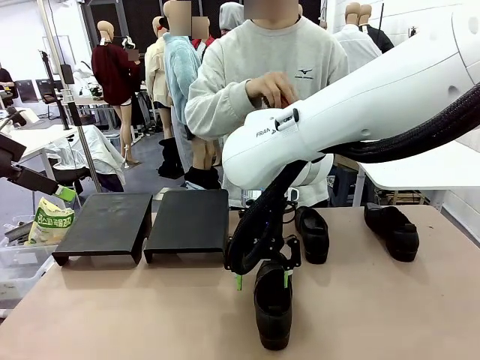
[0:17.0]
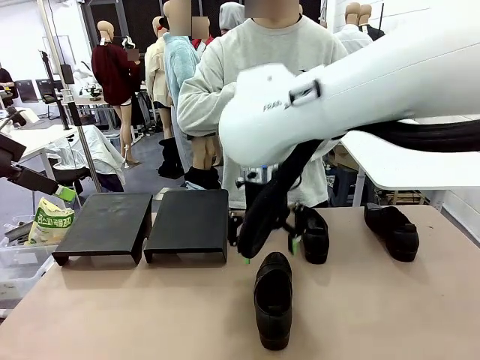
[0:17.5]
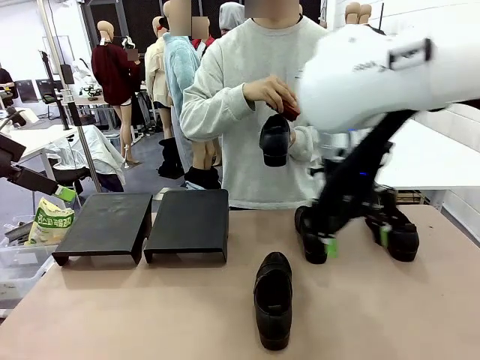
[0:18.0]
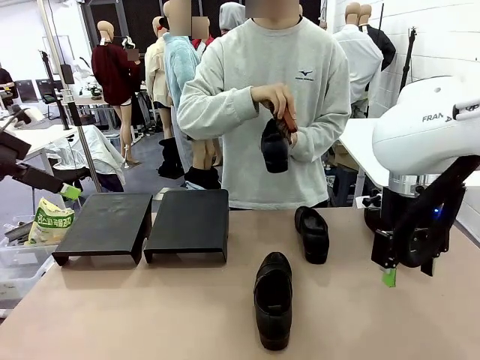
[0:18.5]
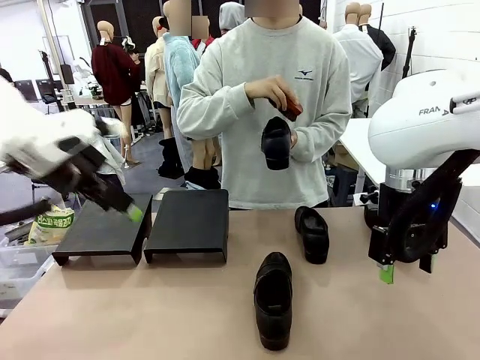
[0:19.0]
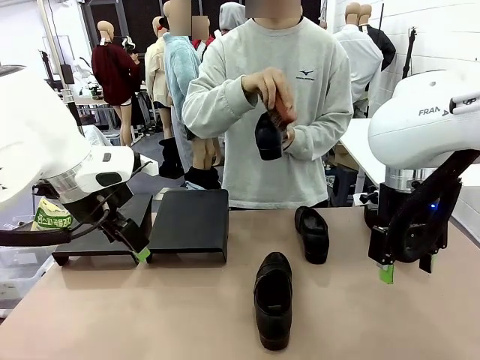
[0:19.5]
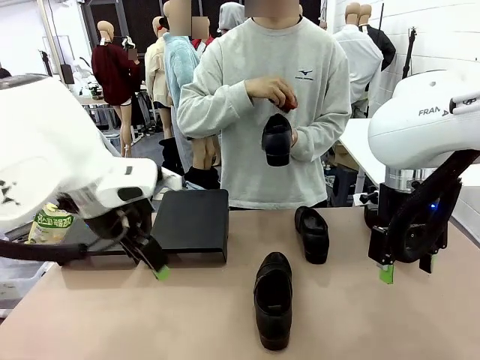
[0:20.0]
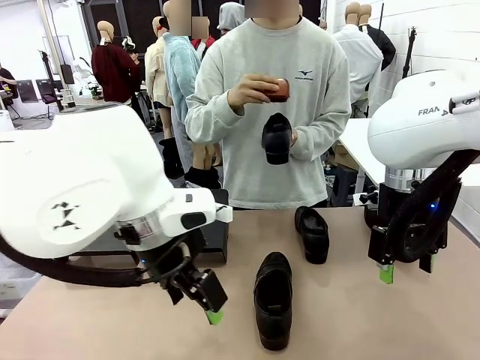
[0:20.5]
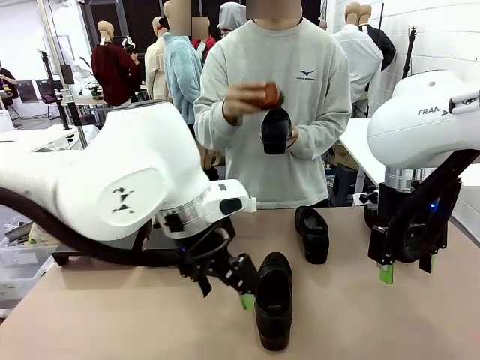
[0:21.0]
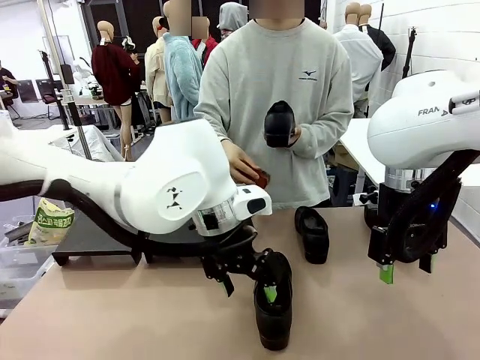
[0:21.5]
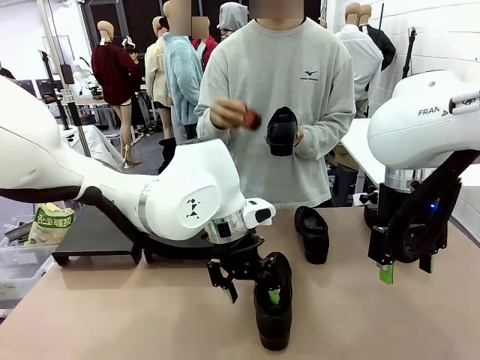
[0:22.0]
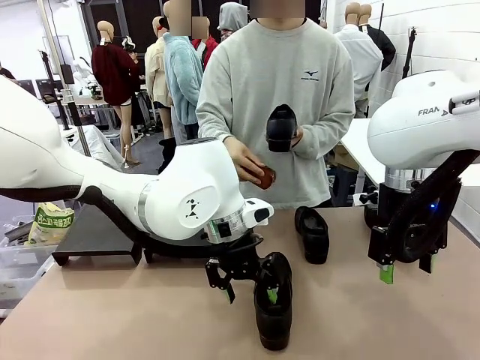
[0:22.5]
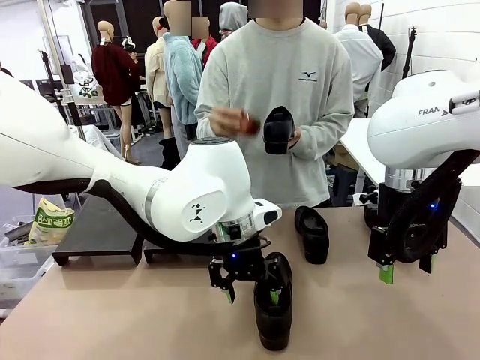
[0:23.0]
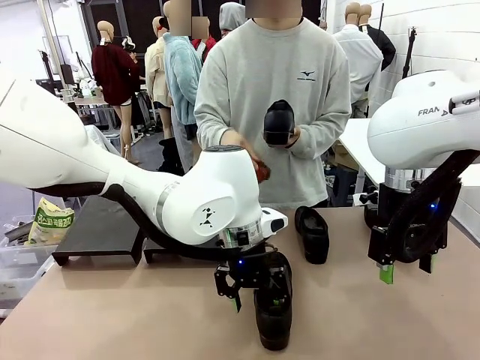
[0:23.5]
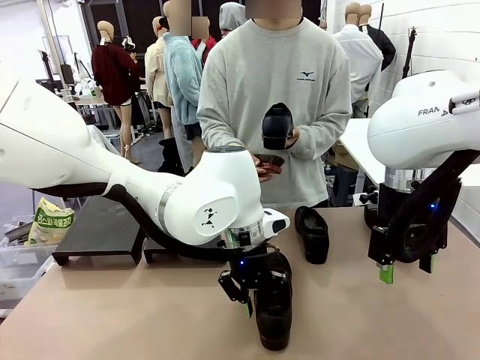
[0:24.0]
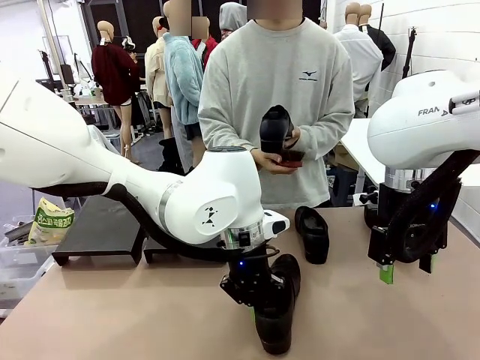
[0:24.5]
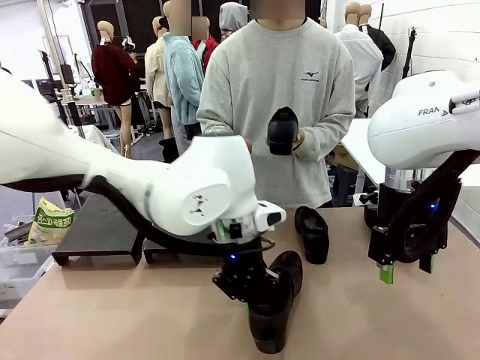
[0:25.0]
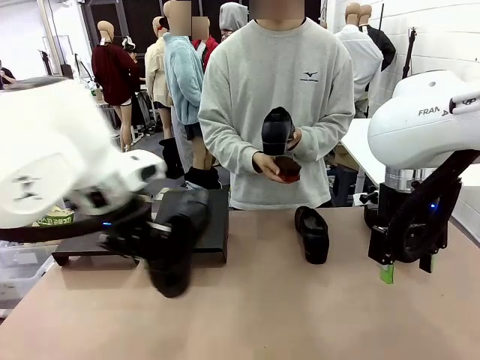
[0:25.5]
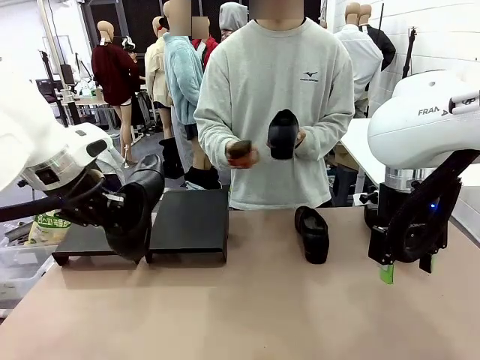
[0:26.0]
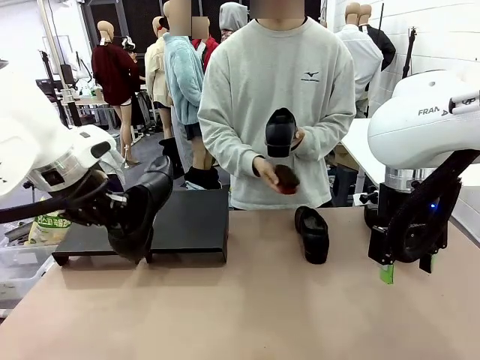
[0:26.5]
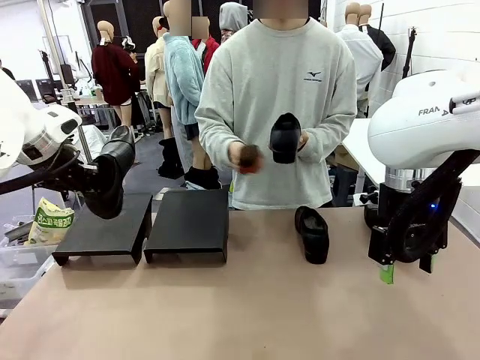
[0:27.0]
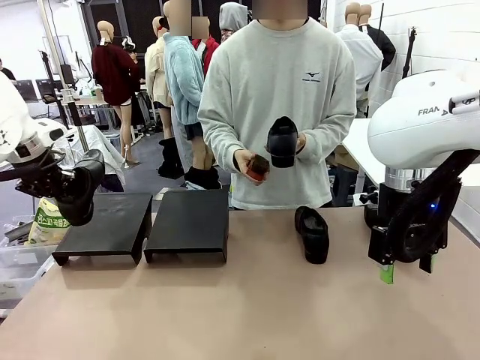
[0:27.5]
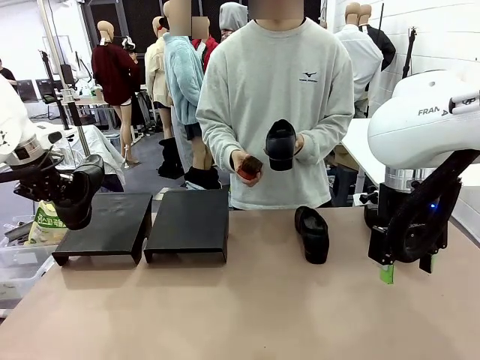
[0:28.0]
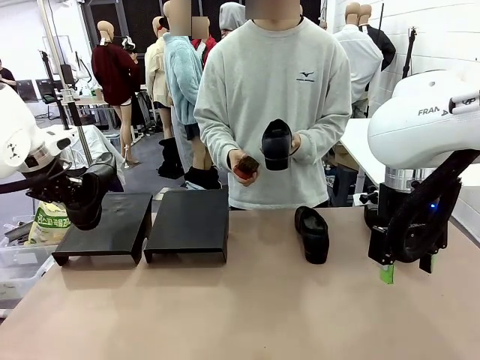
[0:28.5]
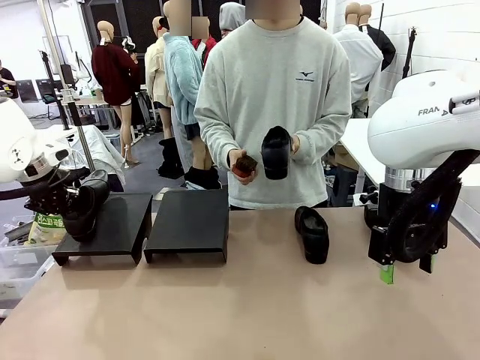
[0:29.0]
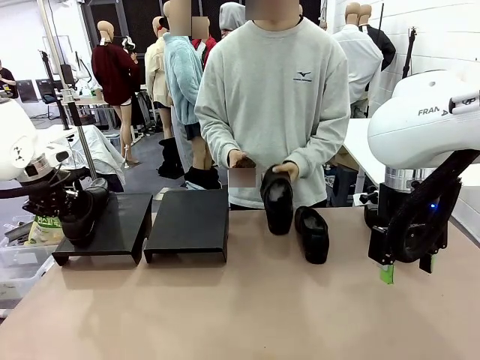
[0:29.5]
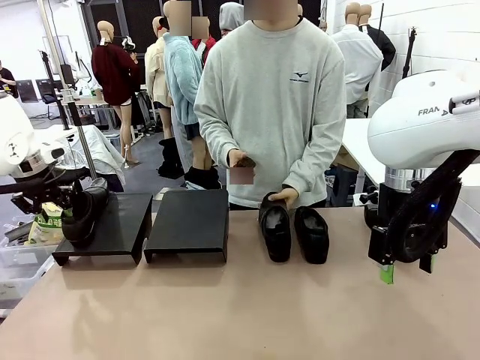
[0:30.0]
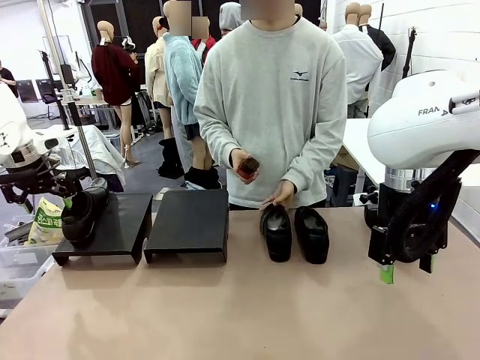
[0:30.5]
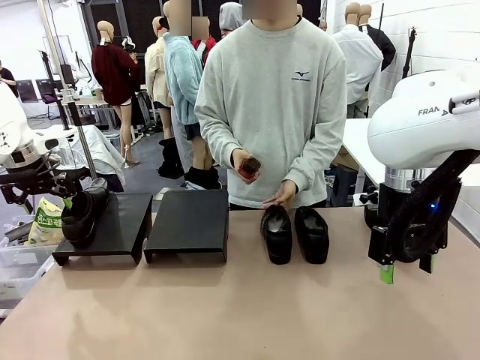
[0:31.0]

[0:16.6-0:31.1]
Task: Organize the shoes by placing them on the stand.
Robot: Place the Shoe from the middle of the table onto the Shoes Stand.
Person: Clean the Shoe with the Shoe Brush. Place the Shoe on left side of the Robot's table.

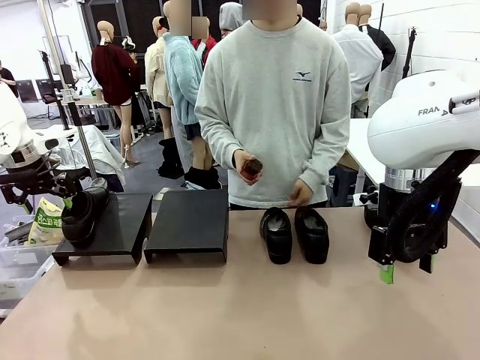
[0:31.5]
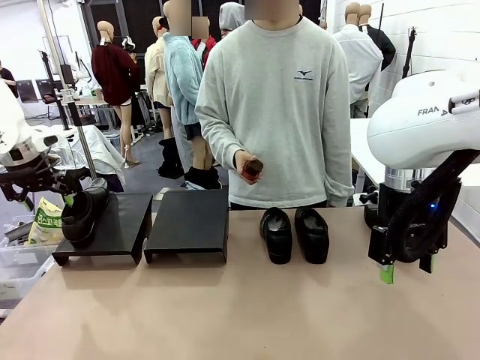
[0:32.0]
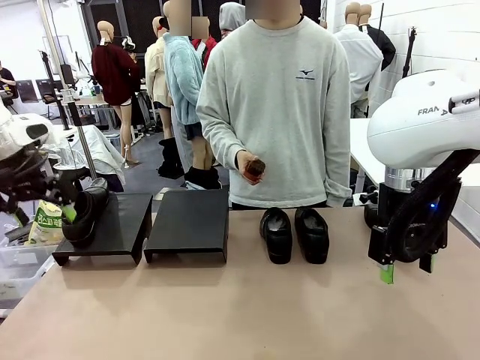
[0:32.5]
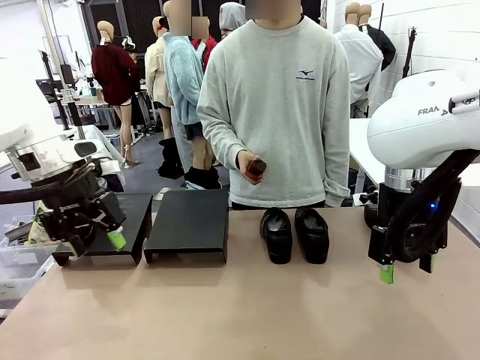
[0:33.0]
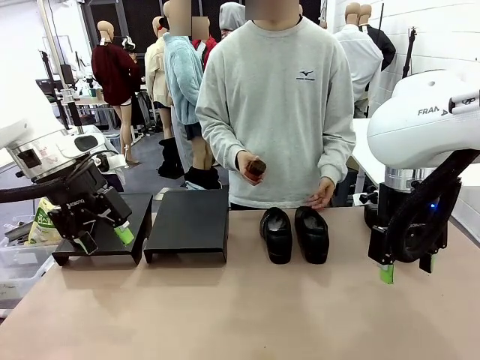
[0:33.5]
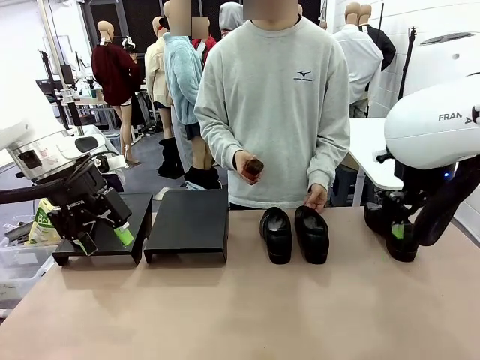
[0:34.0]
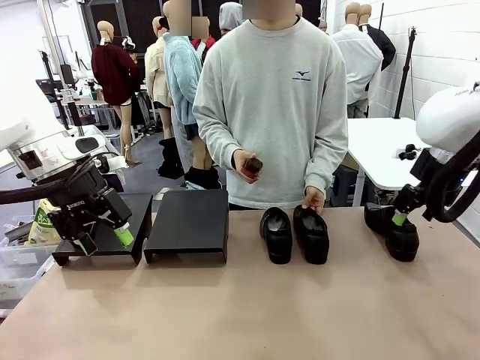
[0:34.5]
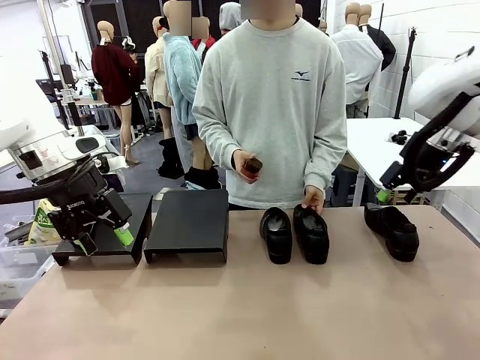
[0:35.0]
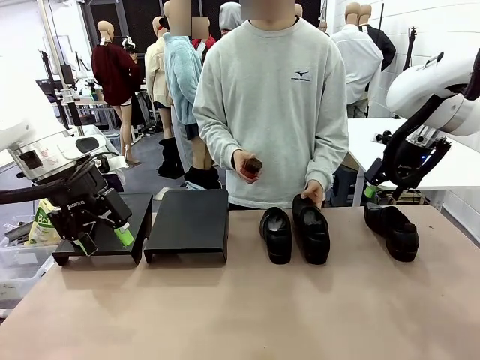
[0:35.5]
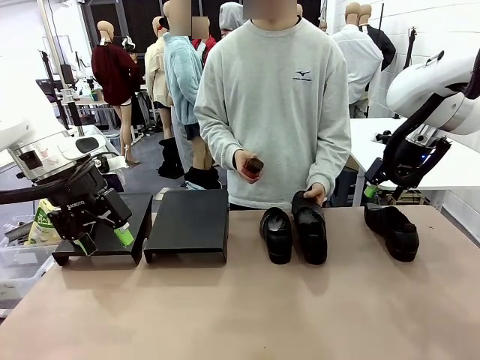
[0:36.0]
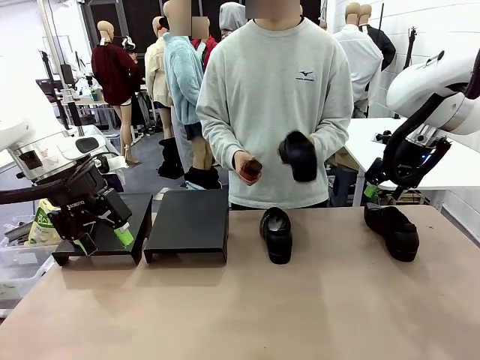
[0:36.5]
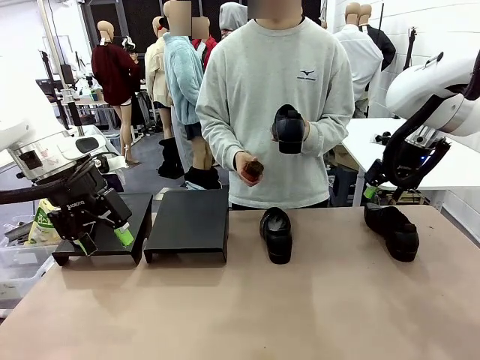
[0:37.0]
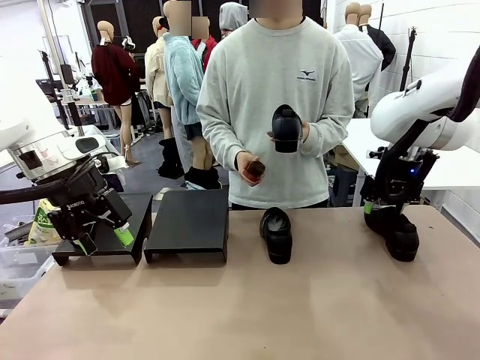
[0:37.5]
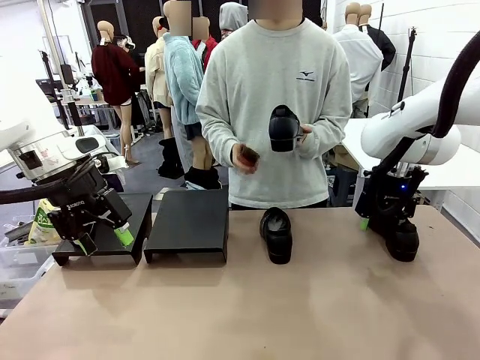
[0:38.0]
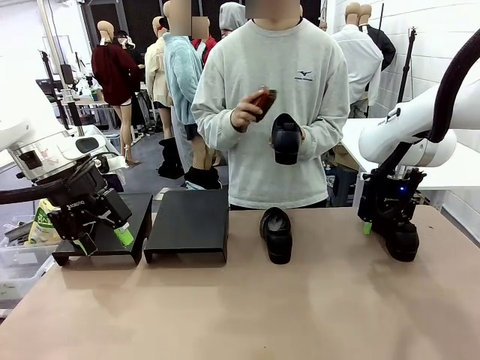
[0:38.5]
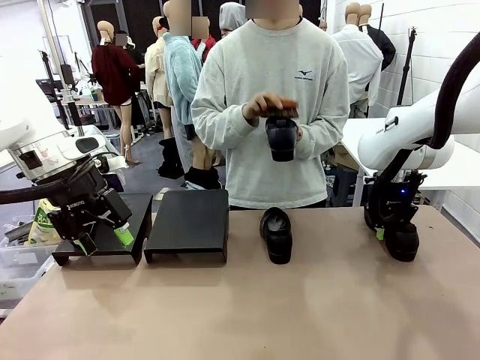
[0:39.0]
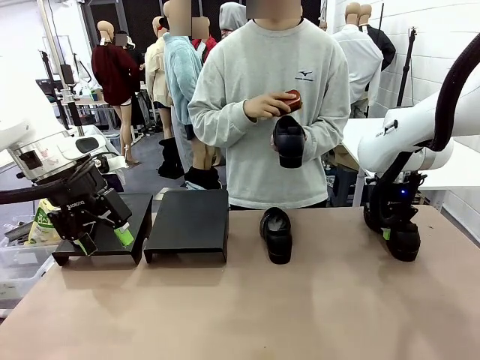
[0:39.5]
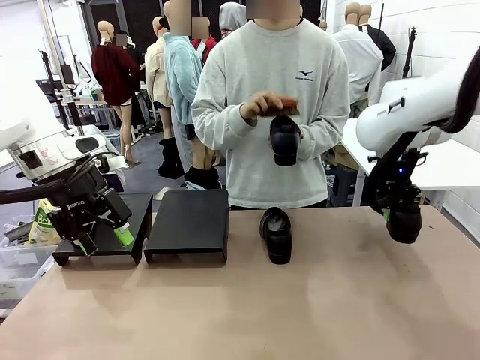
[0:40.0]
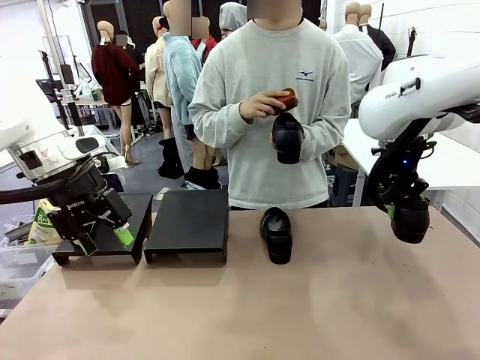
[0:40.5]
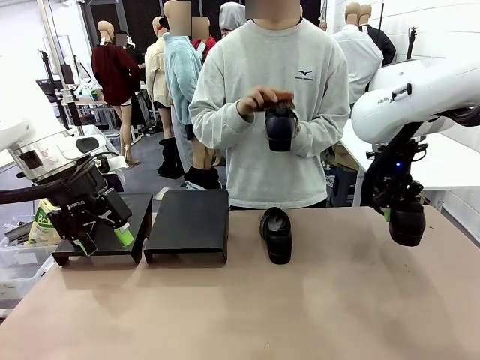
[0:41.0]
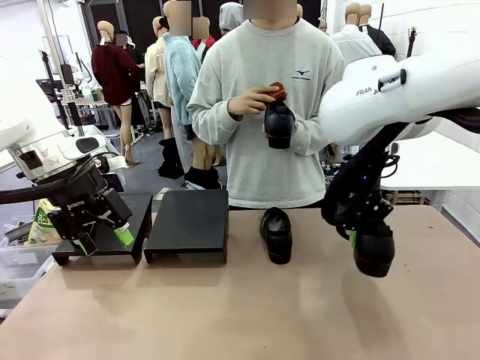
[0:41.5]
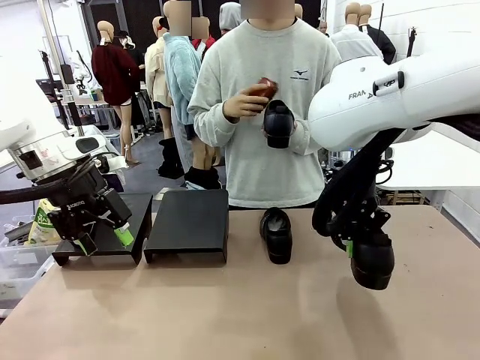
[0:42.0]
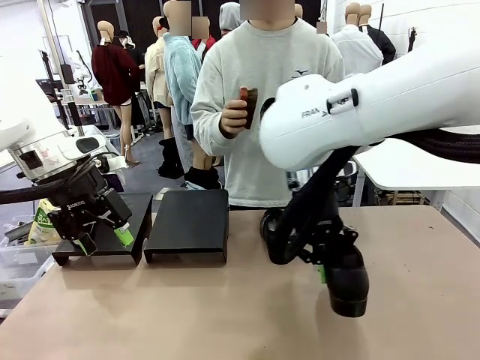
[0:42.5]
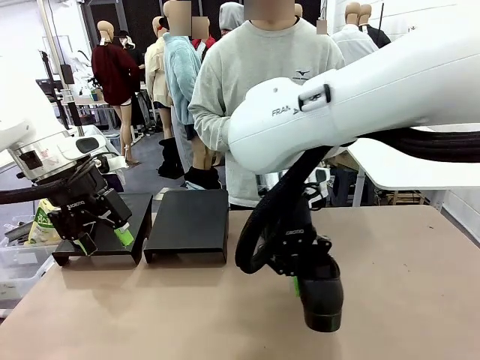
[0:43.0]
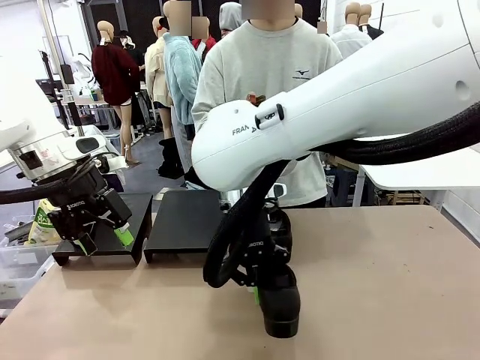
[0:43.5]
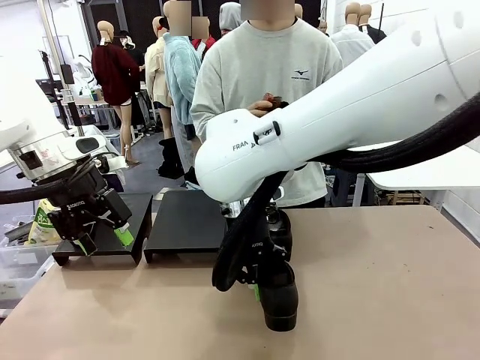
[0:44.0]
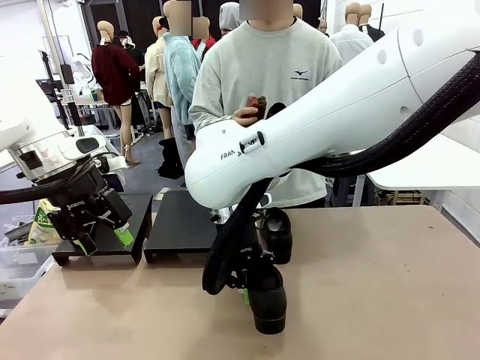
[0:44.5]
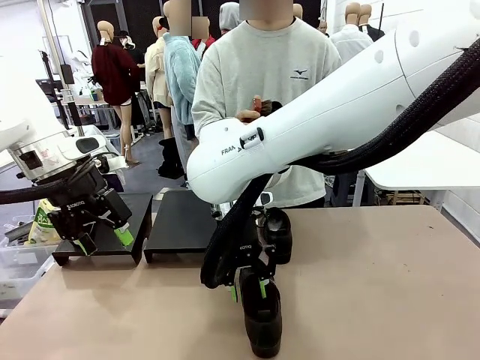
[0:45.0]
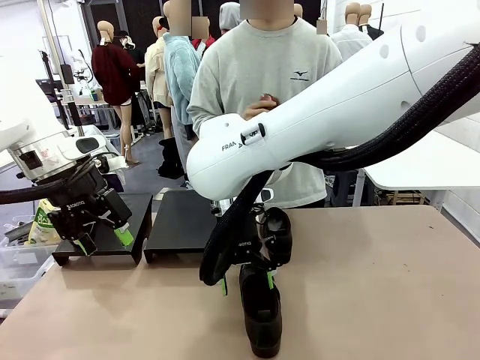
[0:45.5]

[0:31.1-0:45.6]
Robot: Pick up one Shoe and place it in the middle of the table.
Person: Pick one Shoe on Robot's table.
